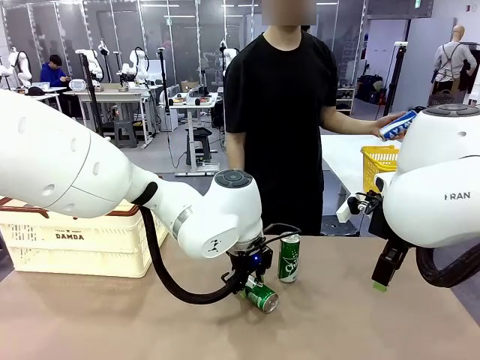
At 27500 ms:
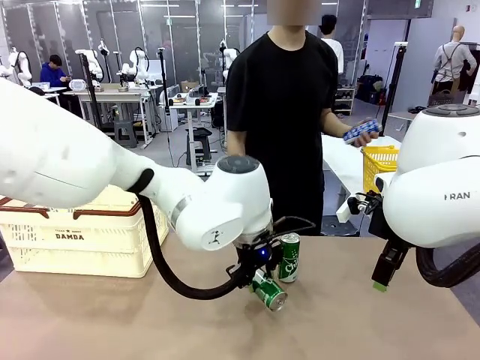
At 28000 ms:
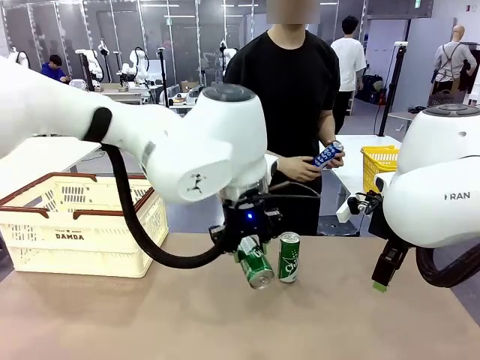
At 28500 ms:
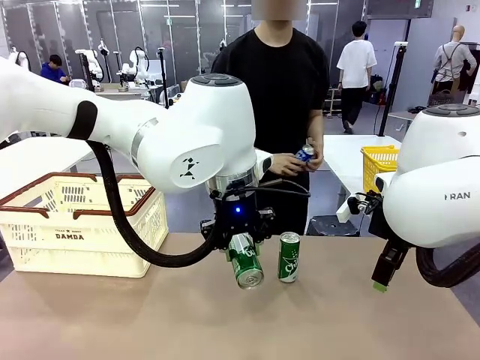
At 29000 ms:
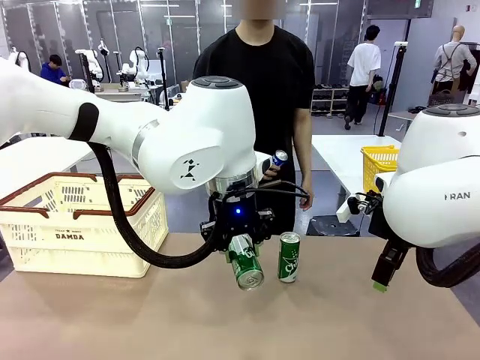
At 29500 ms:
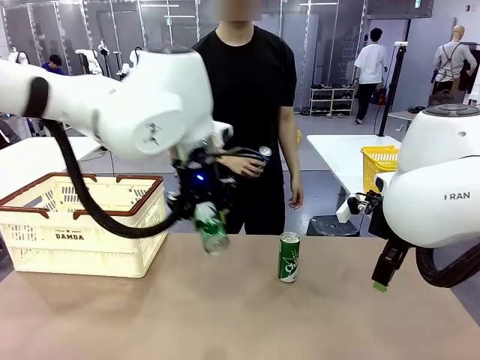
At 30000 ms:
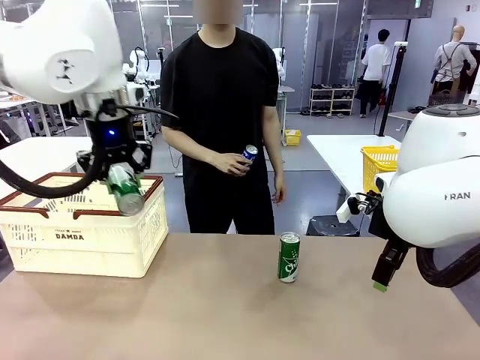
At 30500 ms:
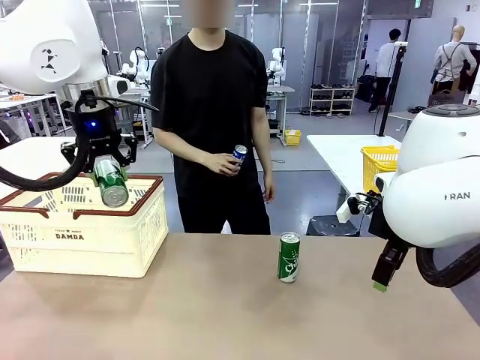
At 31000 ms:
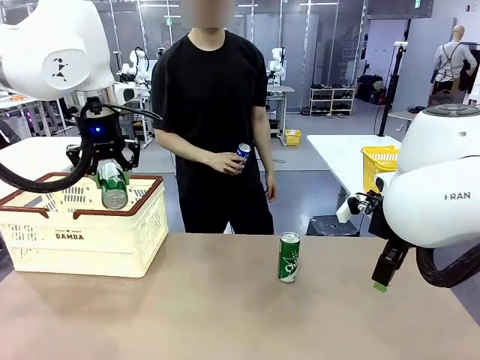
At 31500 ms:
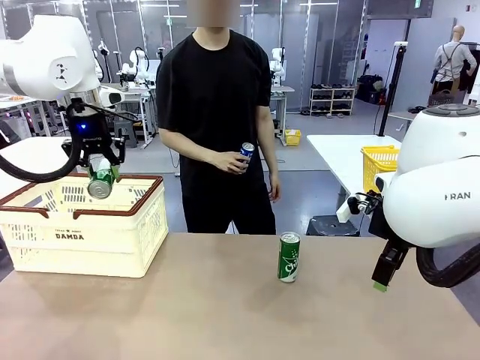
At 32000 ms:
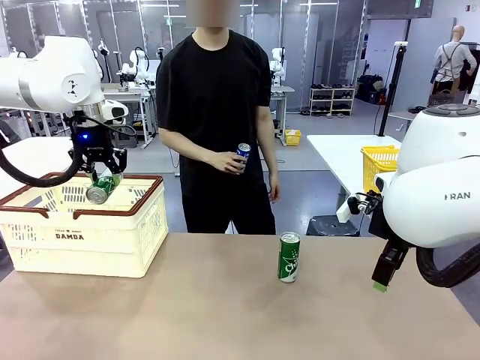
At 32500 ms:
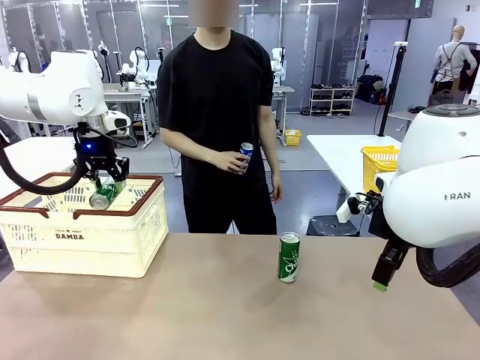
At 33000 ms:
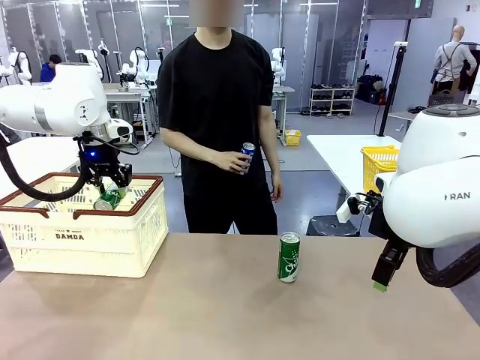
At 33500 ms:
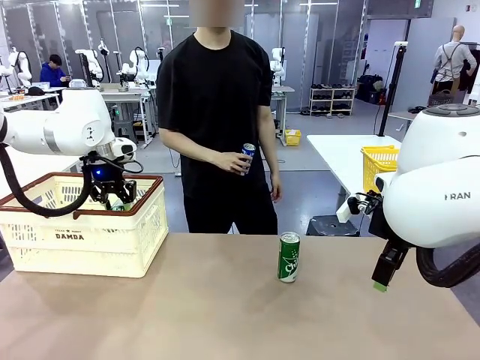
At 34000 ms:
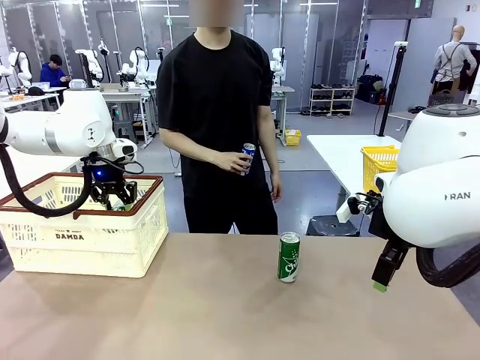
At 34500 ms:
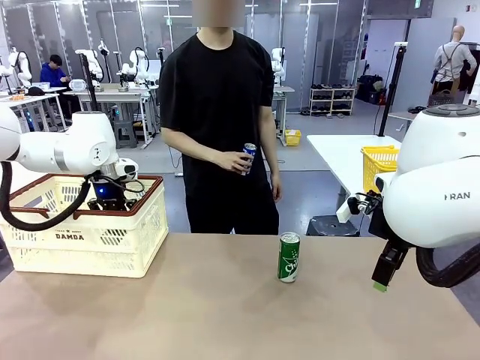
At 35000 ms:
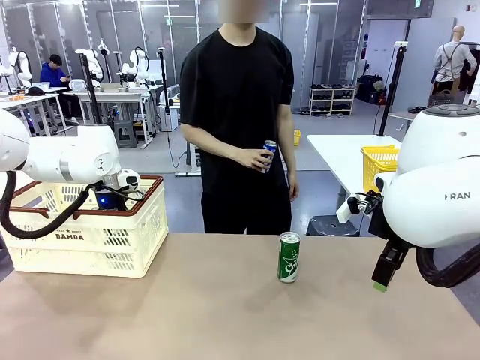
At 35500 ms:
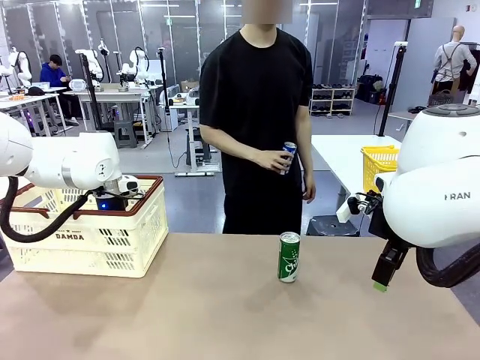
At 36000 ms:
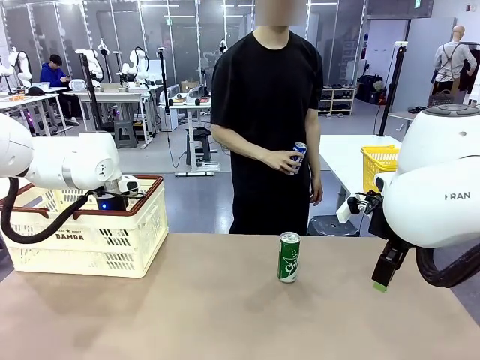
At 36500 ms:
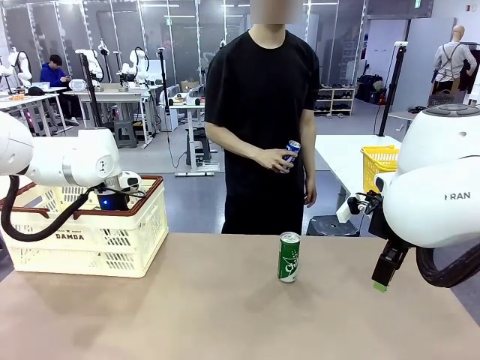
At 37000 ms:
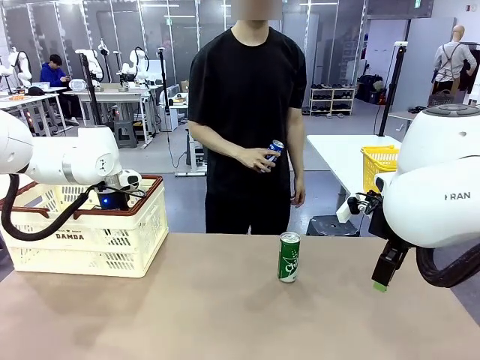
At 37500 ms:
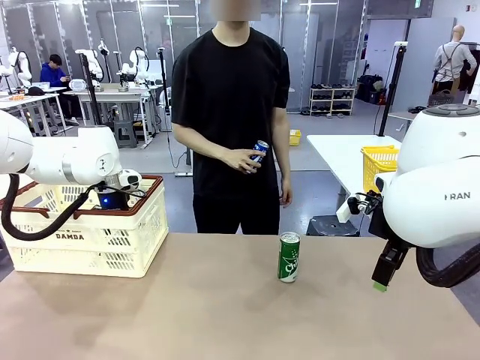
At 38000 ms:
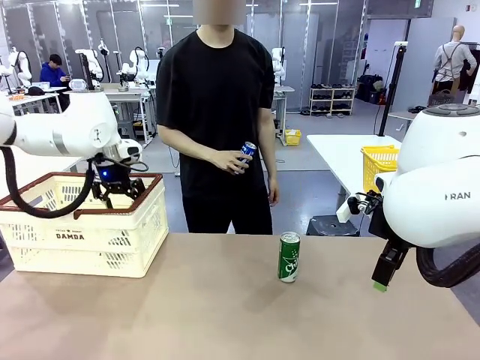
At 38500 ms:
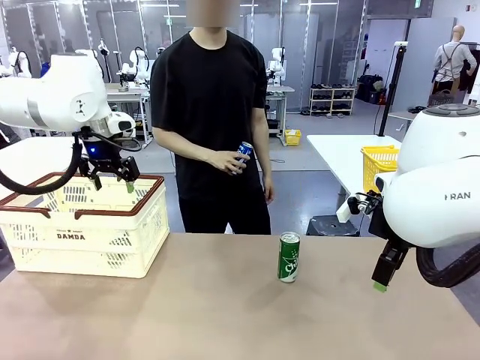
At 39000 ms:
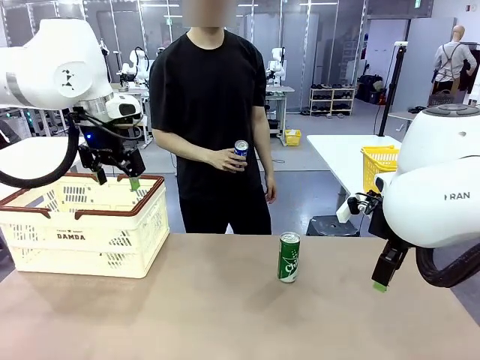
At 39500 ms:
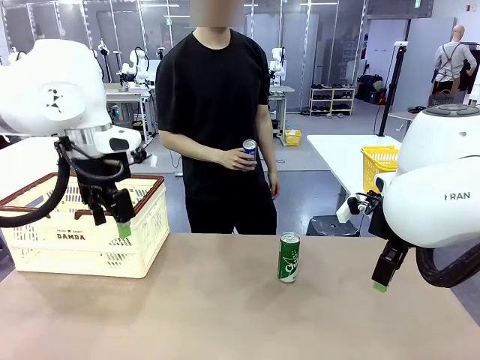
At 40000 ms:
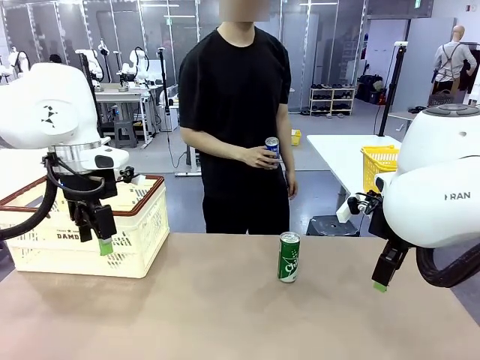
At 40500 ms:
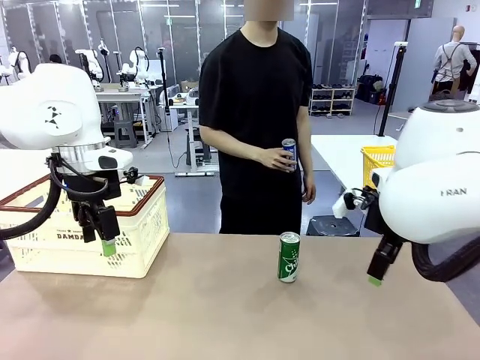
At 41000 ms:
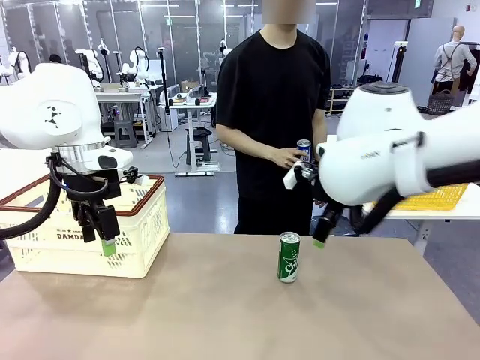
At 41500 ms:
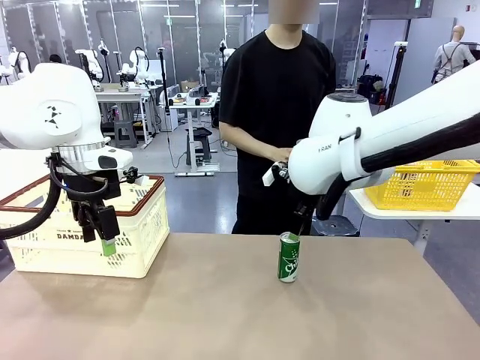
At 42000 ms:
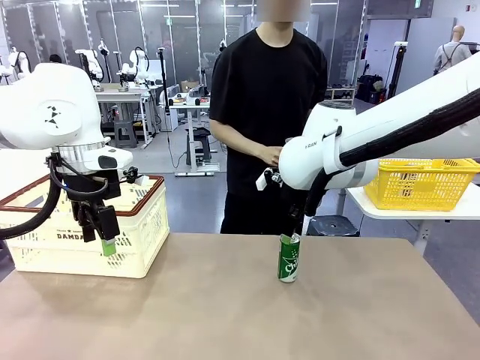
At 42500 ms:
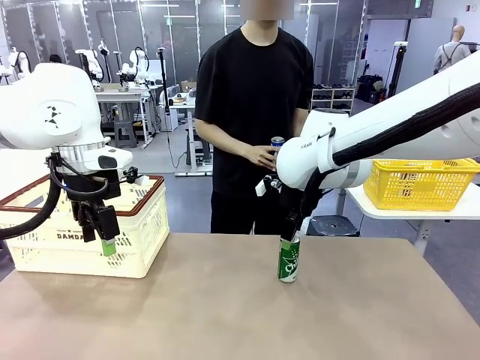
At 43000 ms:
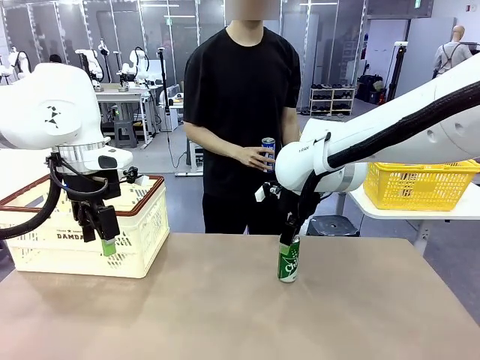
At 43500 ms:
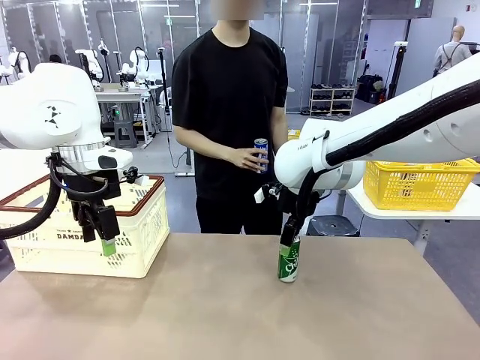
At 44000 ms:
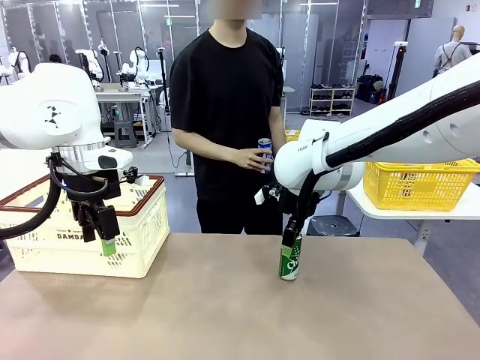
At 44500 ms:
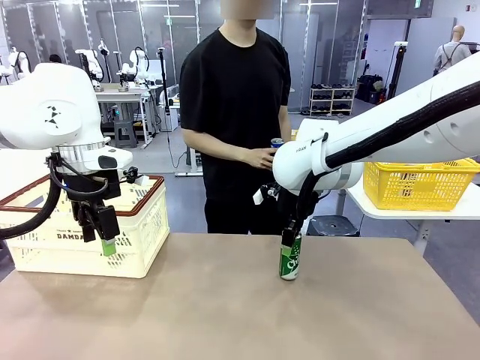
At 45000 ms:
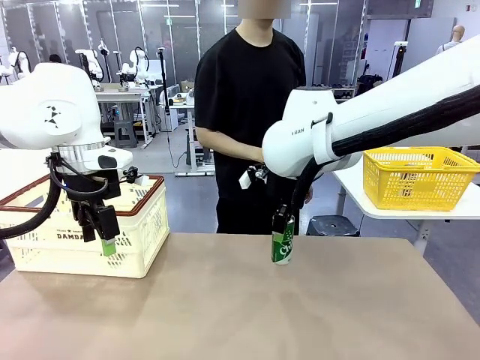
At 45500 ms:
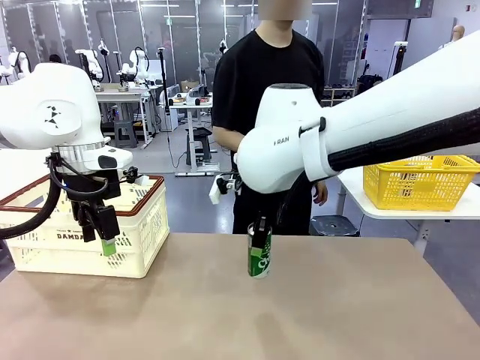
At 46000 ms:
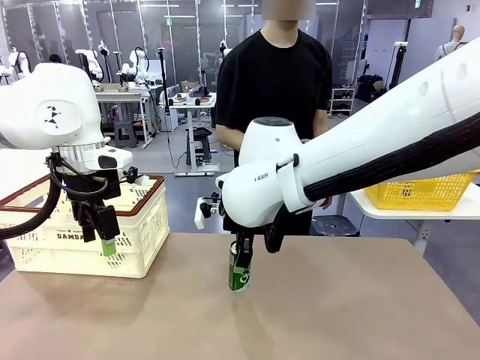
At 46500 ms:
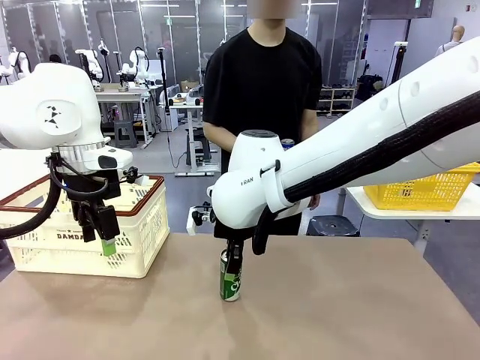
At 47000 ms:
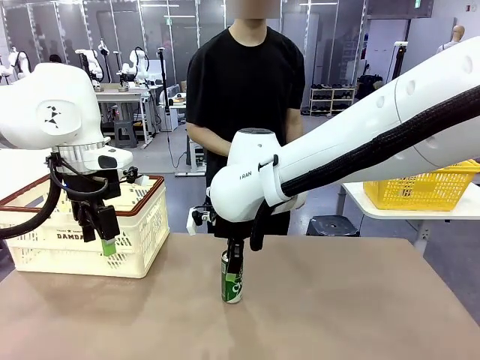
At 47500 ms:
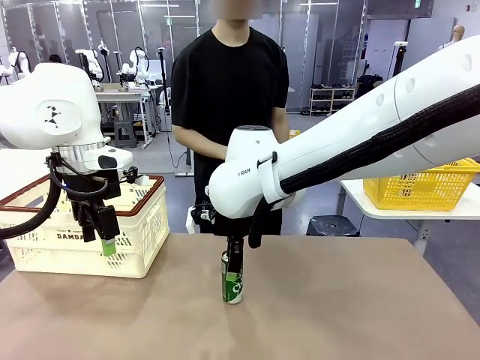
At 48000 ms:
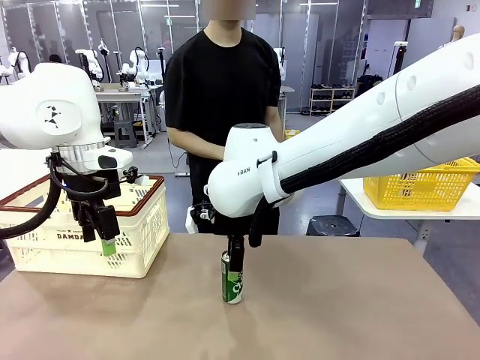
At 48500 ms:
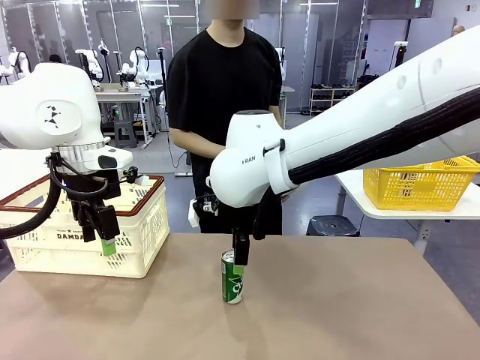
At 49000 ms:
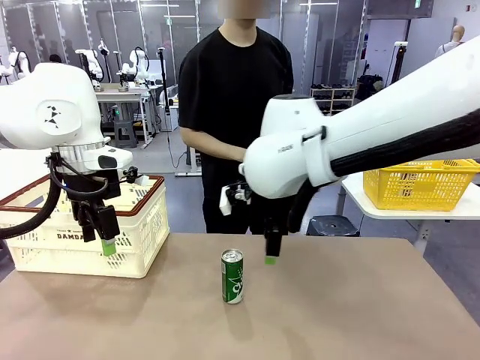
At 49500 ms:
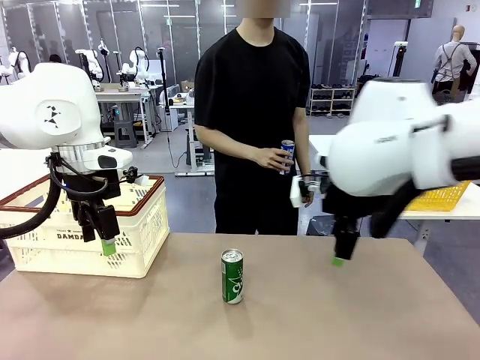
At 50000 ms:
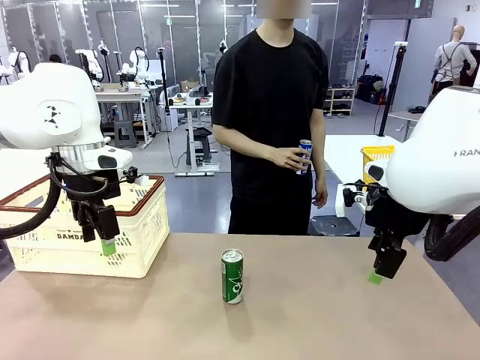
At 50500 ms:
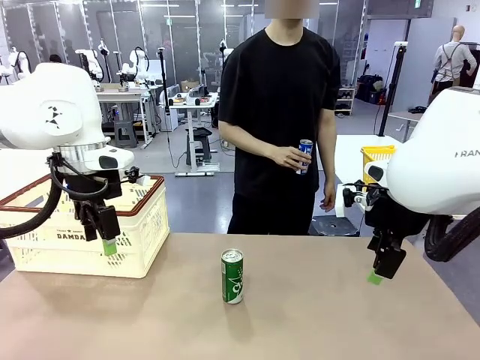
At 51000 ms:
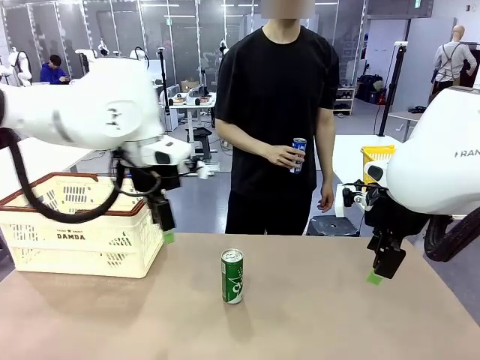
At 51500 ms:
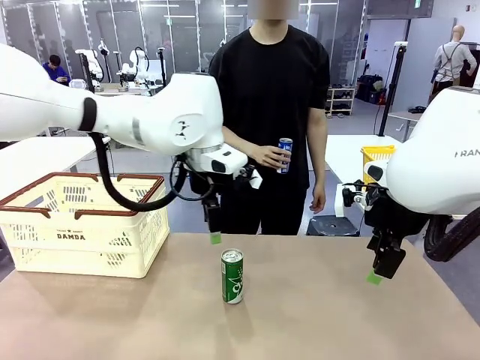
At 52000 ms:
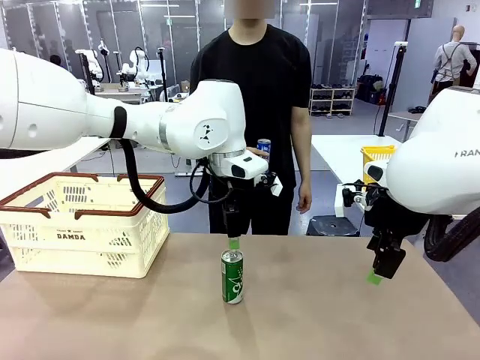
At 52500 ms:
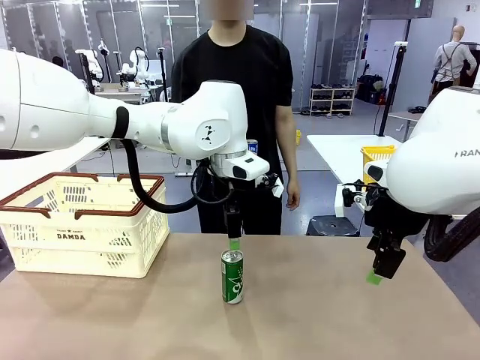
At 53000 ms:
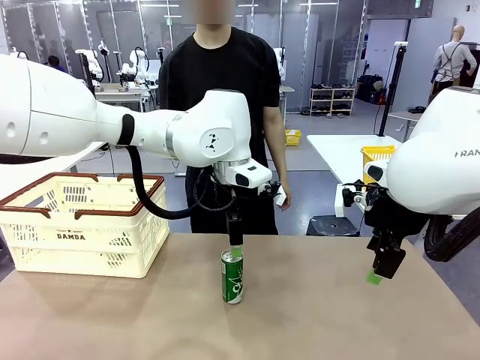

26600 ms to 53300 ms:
Task: Place the drinks into the Shopping basket.
Robot: Pick up one drink and place it into the Shopping basket.
